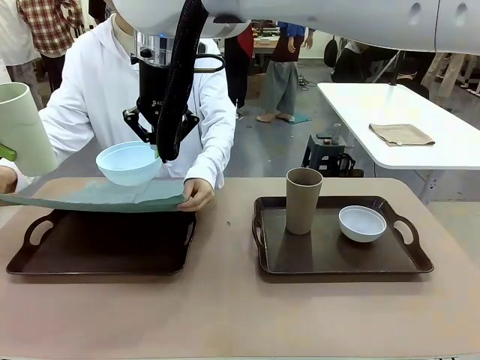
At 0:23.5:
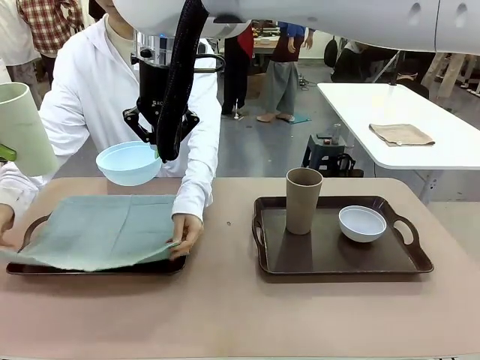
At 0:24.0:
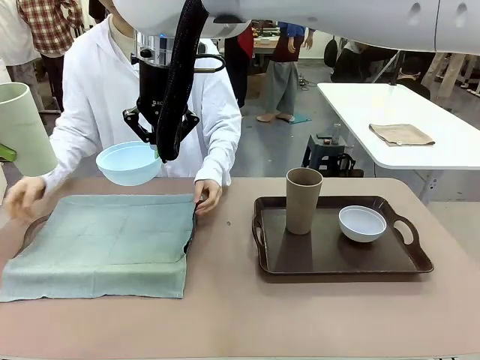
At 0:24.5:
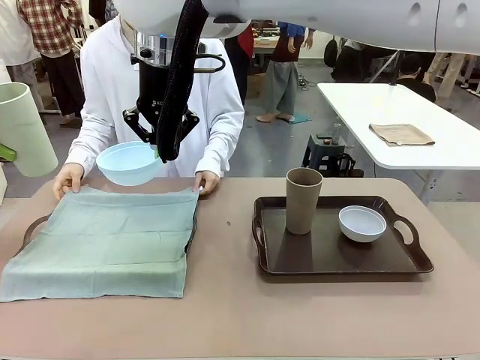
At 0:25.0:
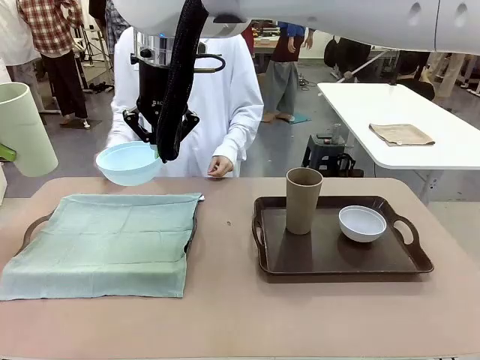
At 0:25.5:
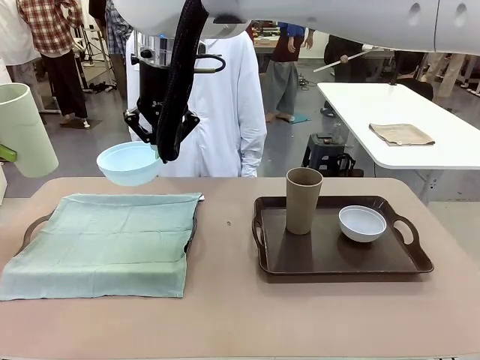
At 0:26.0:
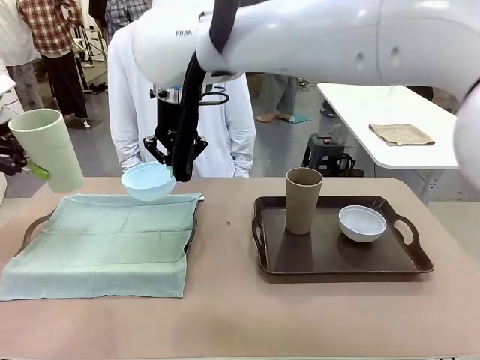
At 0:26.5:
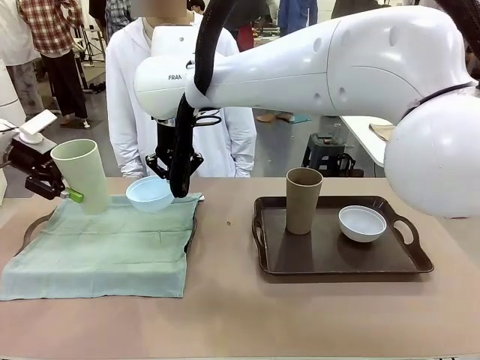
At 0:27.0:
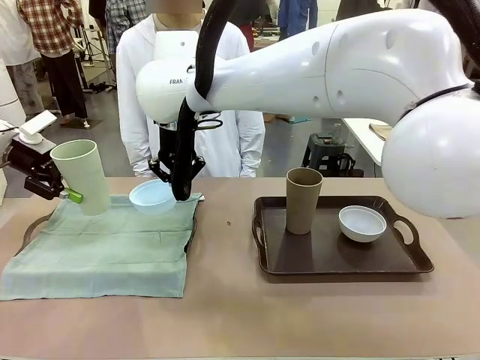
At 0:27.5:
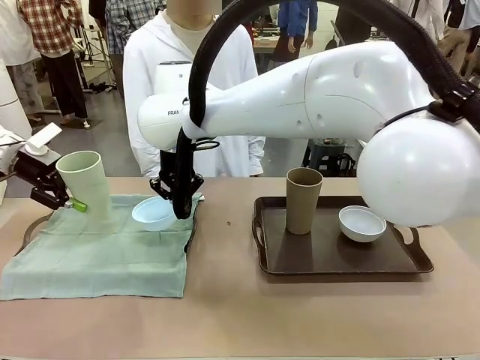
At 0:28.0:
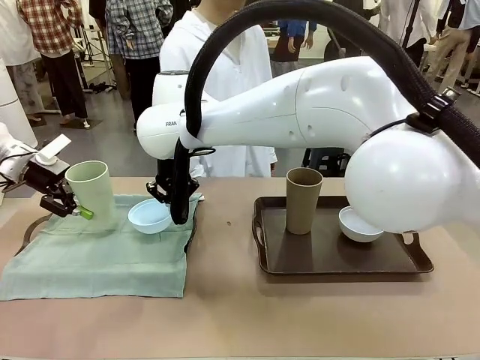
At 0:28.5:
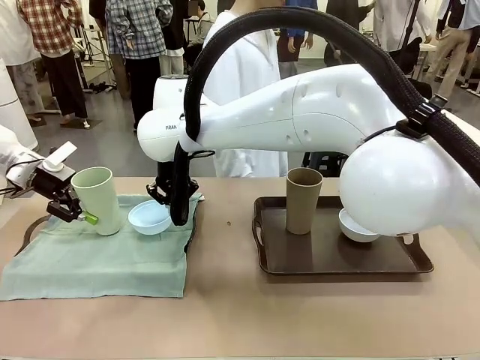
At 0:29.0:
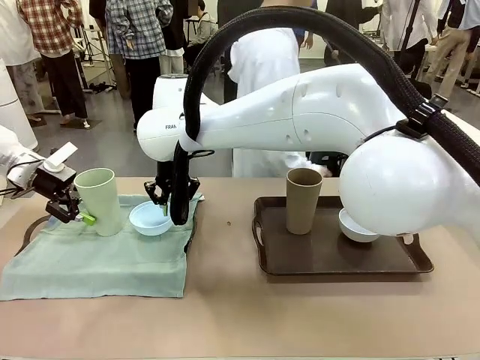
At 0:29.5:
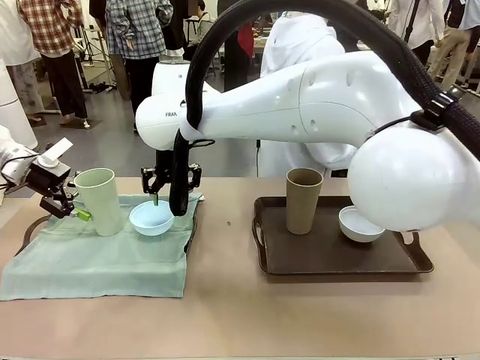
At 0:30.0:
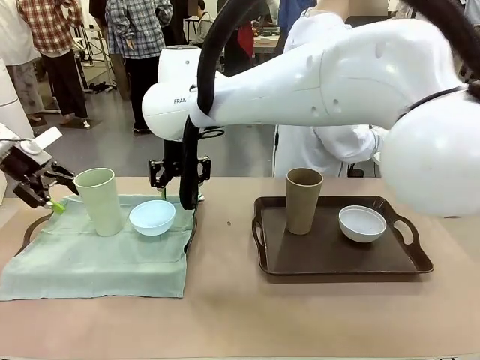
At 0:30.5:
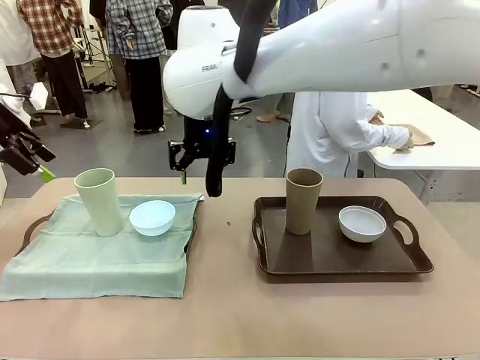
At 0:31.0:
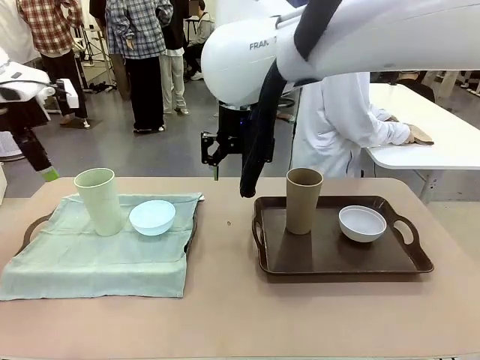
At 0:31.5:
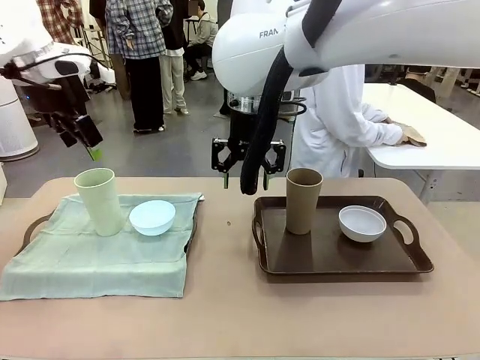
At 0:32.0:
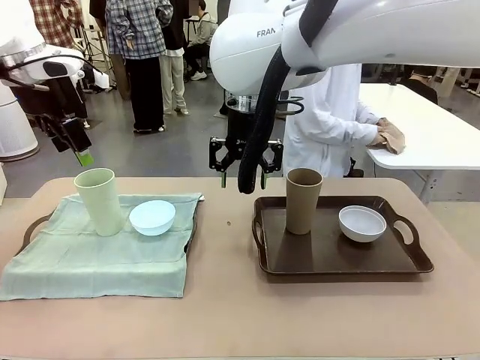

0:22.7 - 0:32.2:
Robot: Place the Picnic Bowl and Reusable plastic cup back onto the Handle tray in front of the human's position.
Person: The human returns to the human table to pick up another napkin and walks to the robot table to stand in front of the tray without a napkin.

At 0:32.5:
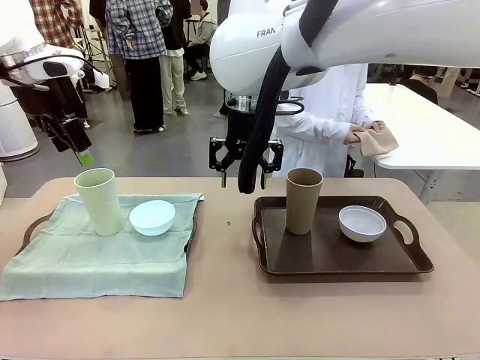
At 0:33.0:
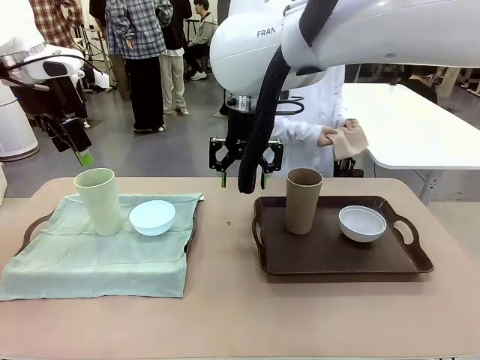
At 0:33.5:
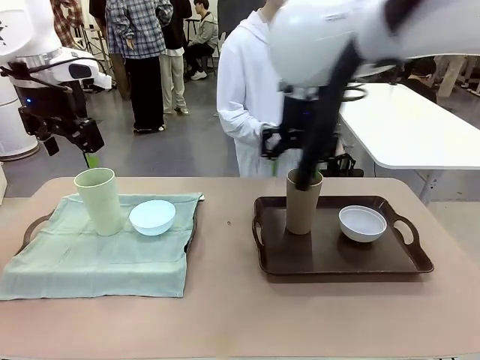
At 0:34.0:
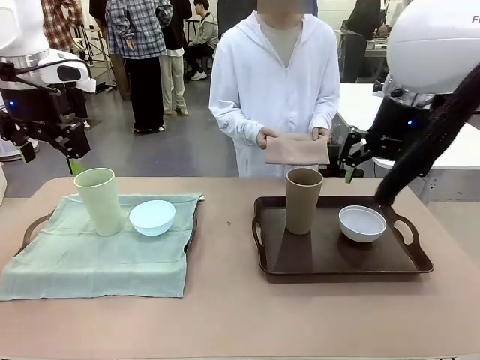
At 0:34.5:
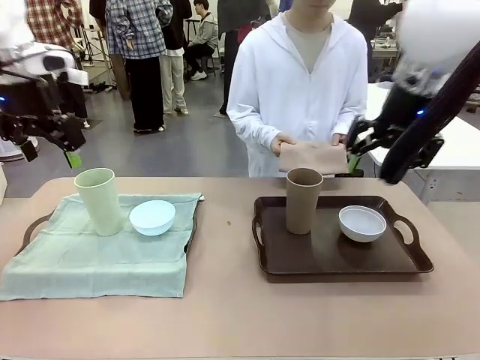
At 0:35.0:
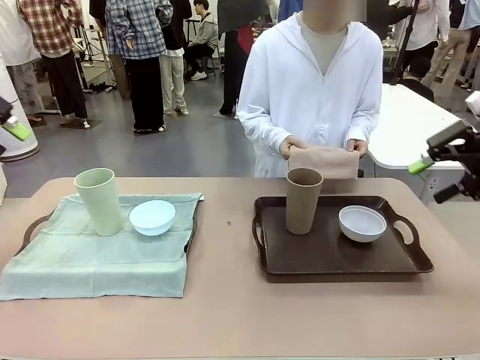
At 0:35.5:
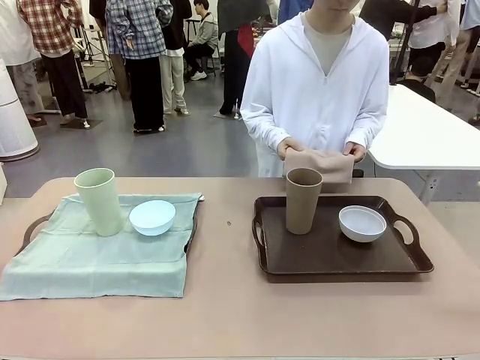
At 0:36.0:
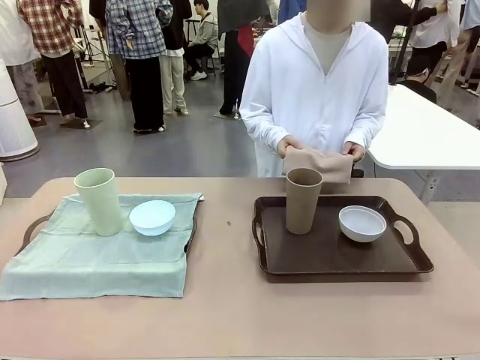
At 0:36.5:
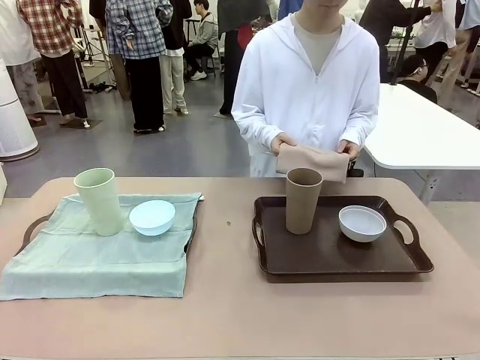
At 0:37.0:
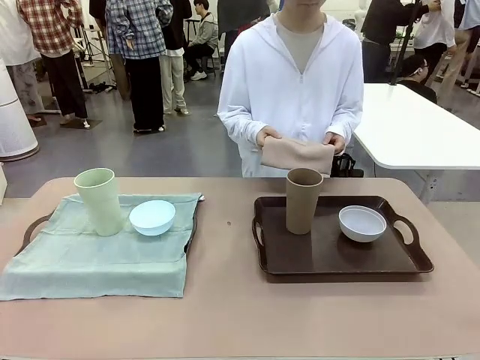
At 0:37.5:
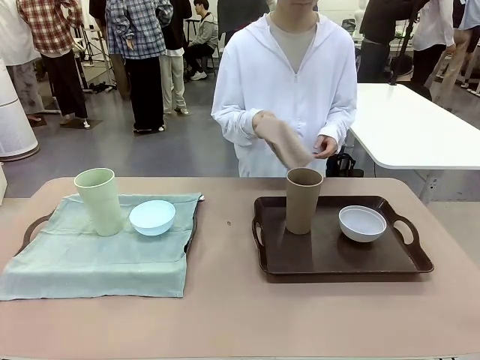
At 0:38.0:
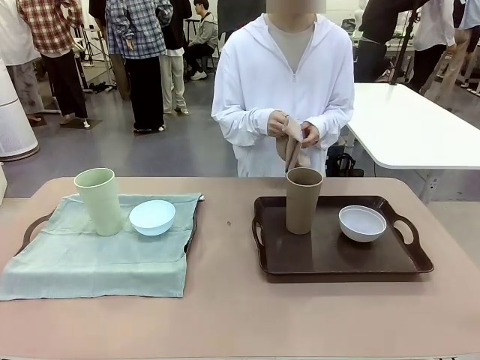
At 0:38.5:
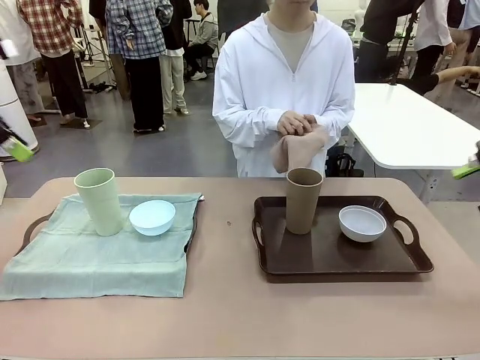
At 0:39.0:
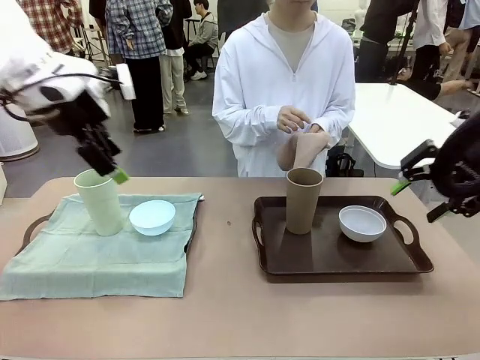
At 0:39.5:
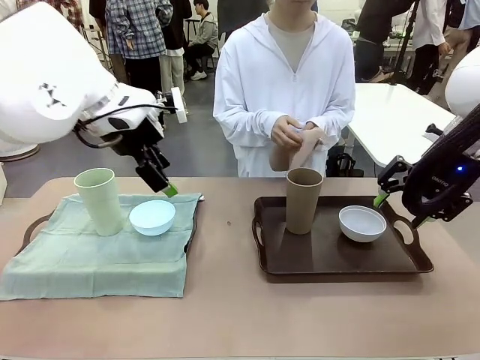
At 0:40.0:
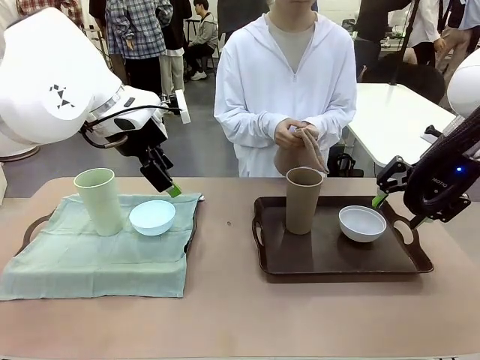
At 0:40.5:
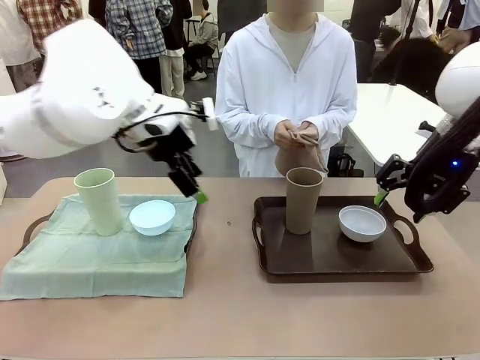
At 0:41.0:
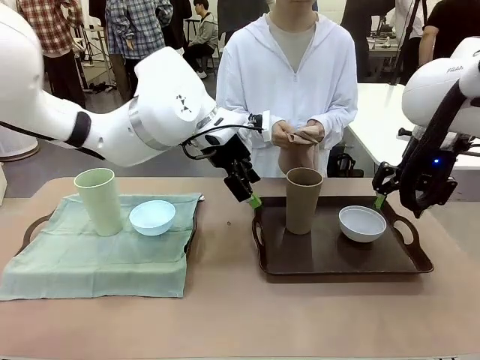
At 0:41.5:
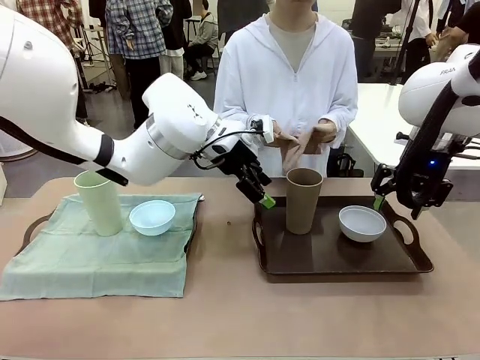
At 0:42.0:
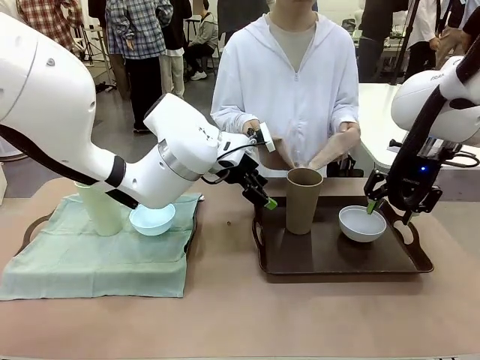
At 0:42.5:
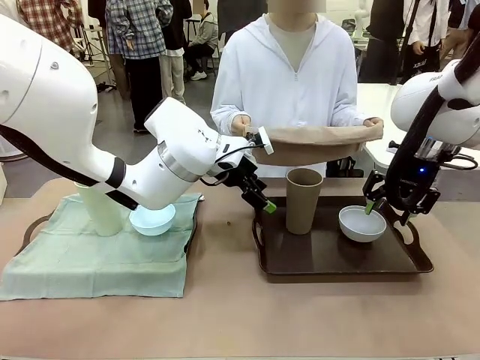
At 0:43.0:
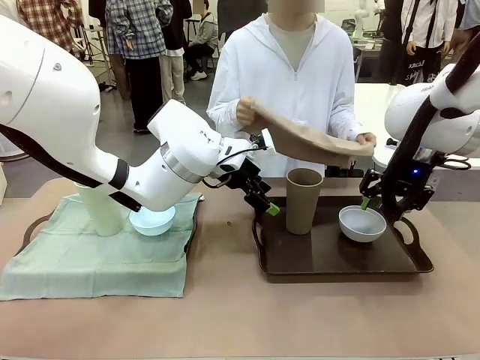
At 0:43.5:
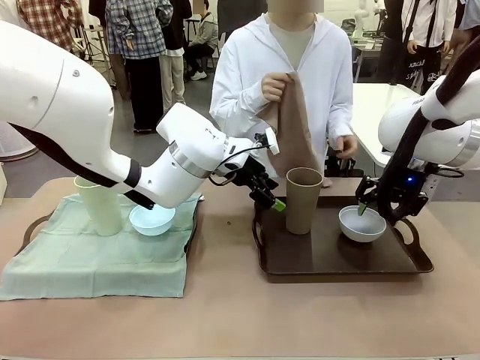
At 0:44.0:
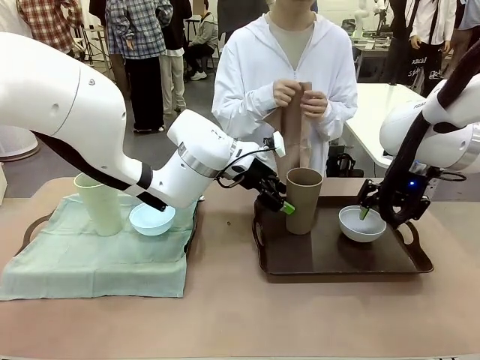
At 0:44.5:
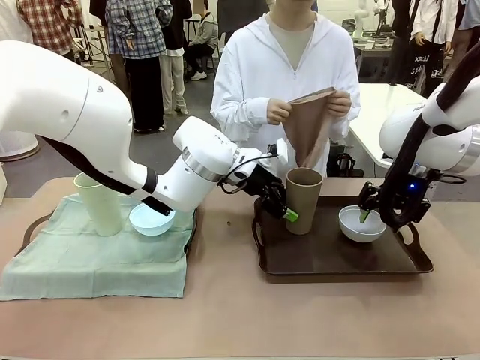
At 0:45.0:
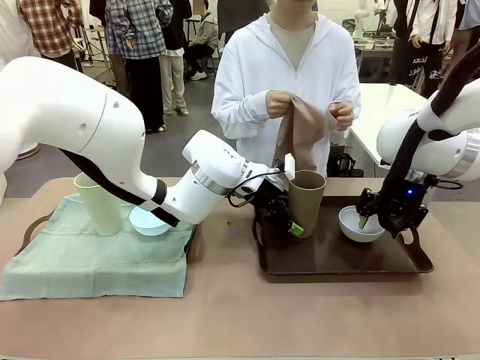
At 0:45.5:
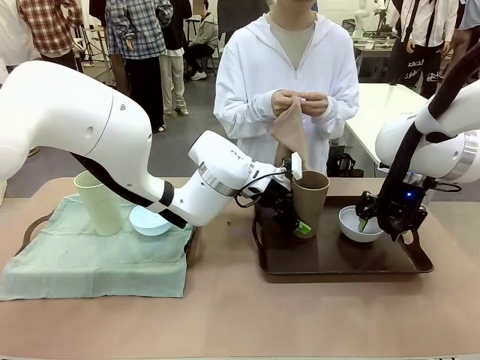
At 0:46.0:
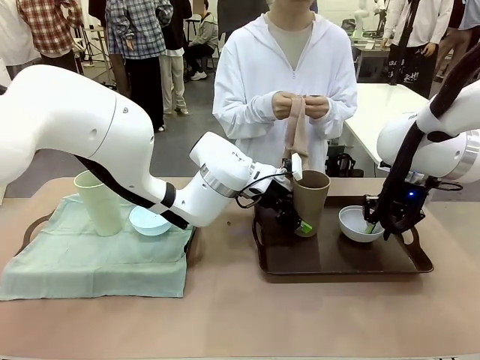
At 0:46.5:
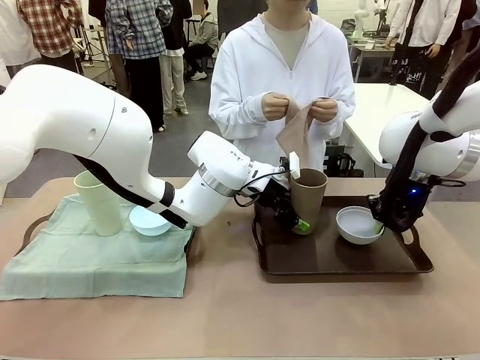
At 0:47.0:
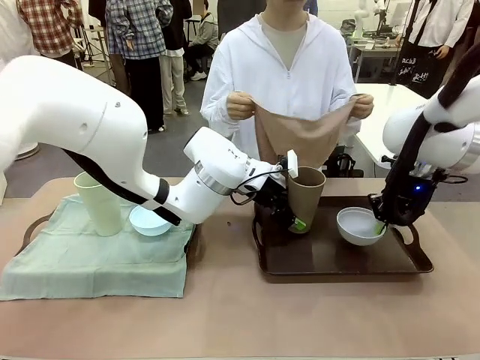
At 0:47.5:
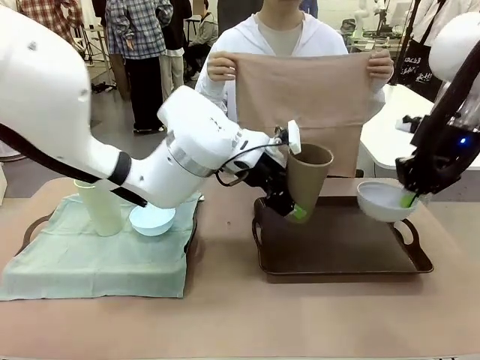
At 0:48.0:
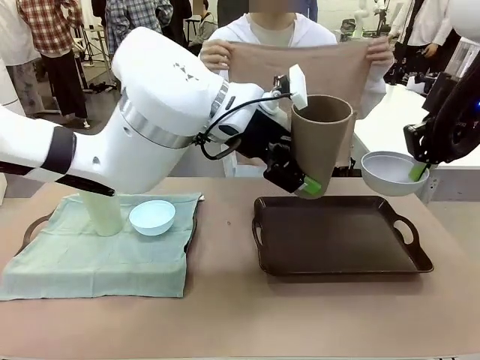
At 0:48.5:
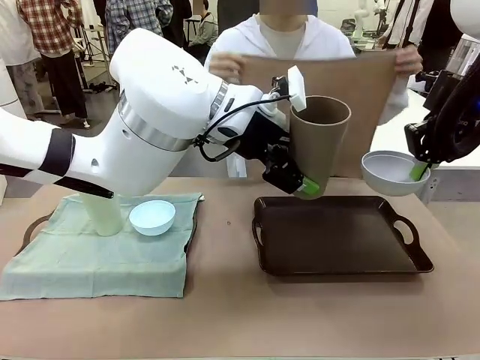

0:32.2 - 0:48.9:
Robot: Pick up the Picnic Bowl and Reusable plastic cup from the Handle tray in front of the human's position and hold them in the air.
